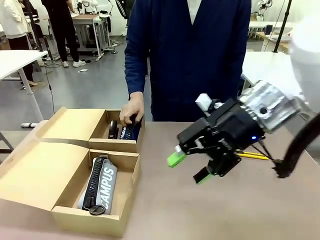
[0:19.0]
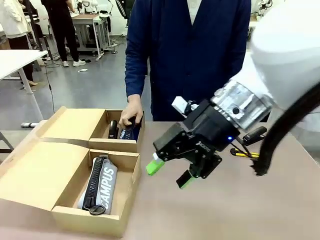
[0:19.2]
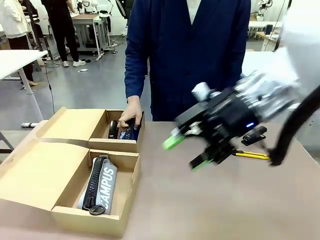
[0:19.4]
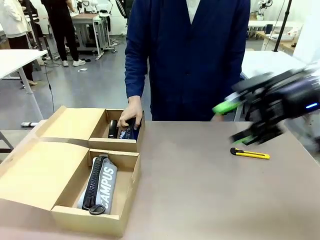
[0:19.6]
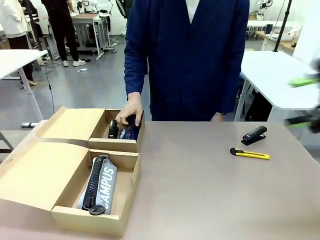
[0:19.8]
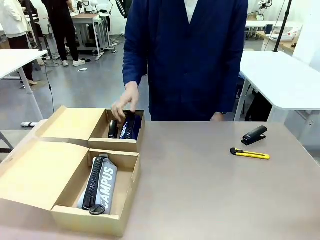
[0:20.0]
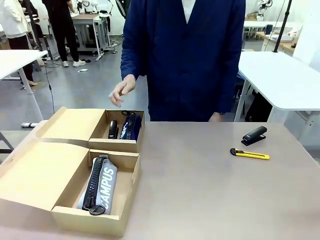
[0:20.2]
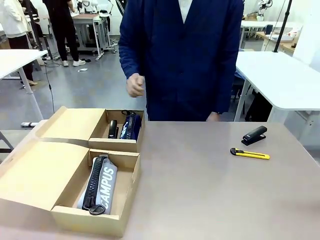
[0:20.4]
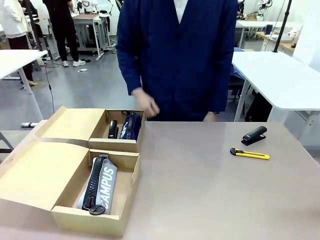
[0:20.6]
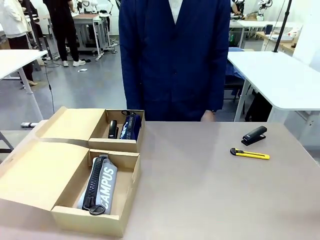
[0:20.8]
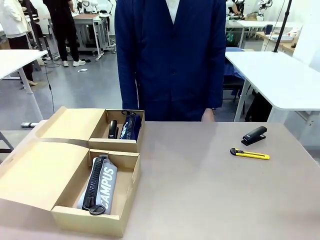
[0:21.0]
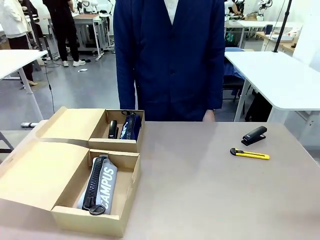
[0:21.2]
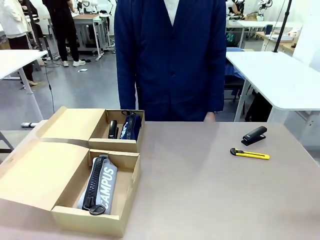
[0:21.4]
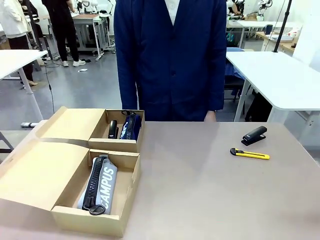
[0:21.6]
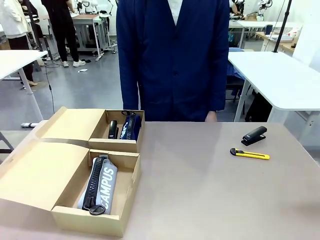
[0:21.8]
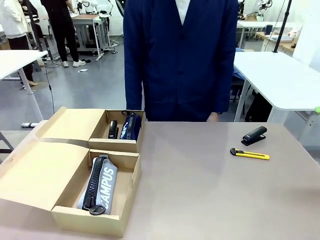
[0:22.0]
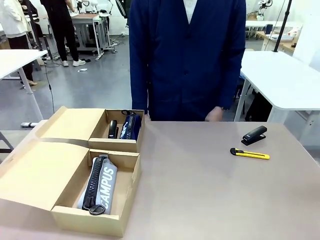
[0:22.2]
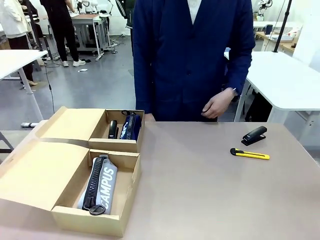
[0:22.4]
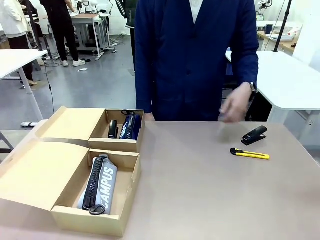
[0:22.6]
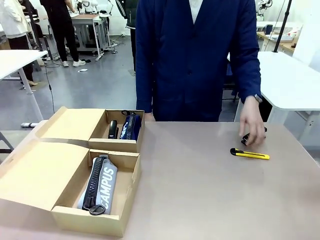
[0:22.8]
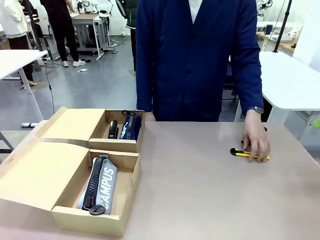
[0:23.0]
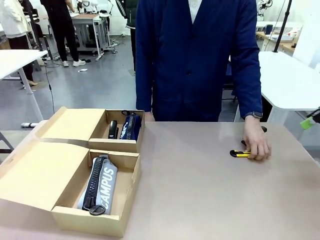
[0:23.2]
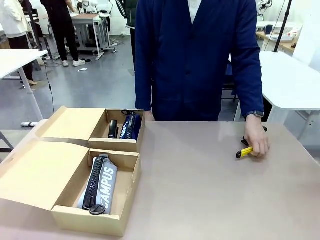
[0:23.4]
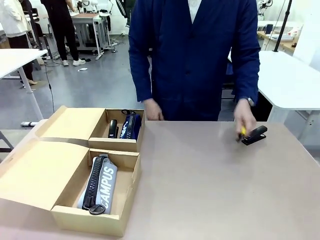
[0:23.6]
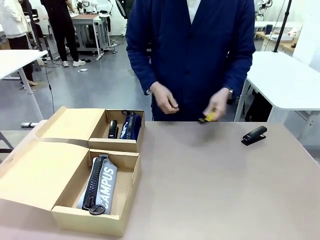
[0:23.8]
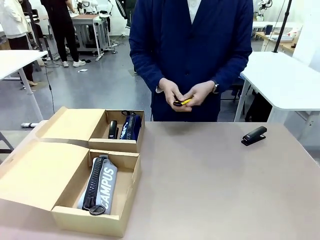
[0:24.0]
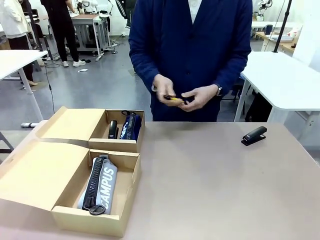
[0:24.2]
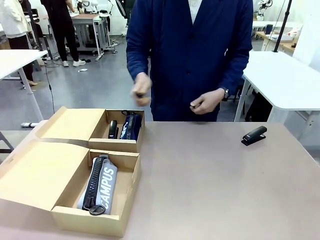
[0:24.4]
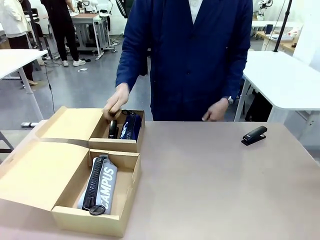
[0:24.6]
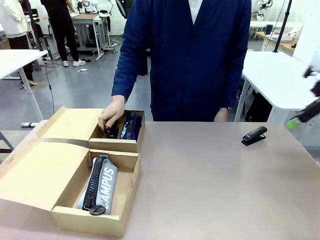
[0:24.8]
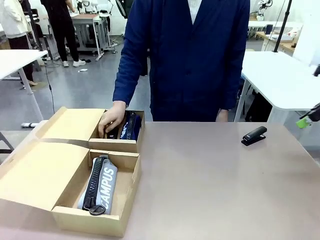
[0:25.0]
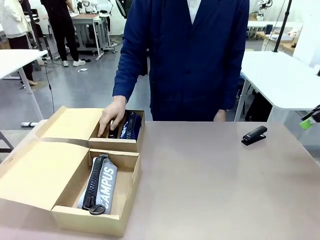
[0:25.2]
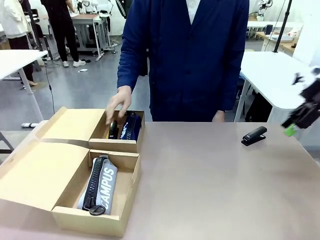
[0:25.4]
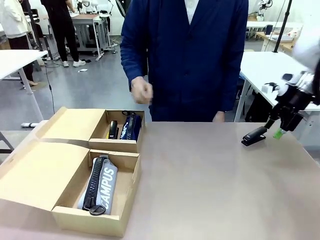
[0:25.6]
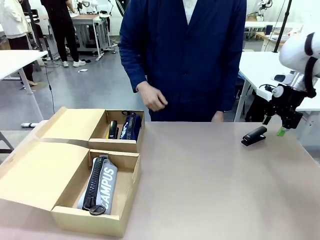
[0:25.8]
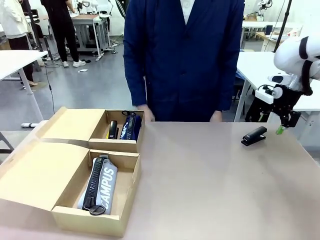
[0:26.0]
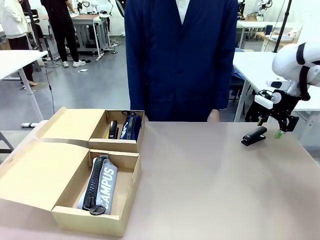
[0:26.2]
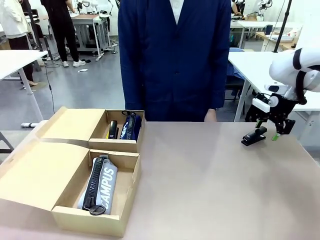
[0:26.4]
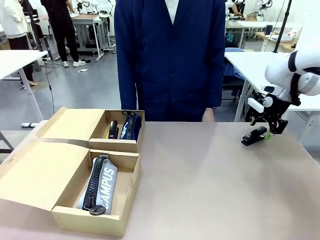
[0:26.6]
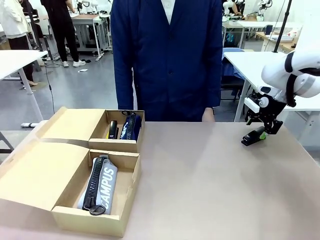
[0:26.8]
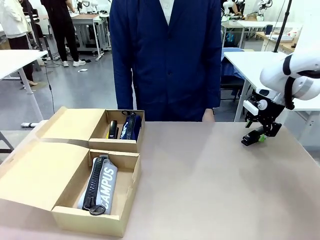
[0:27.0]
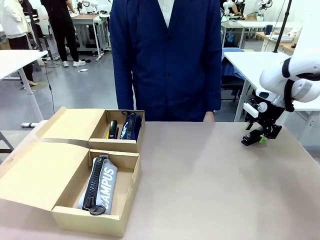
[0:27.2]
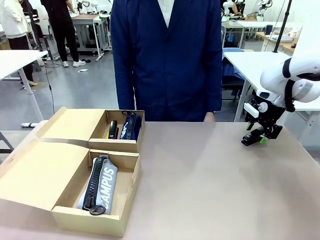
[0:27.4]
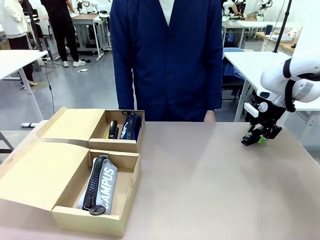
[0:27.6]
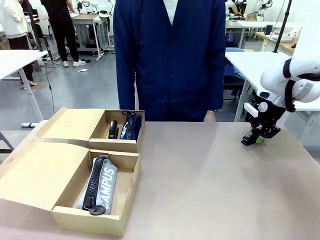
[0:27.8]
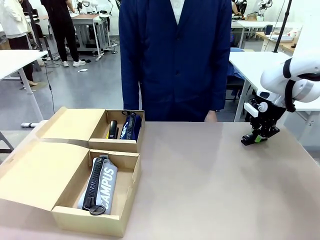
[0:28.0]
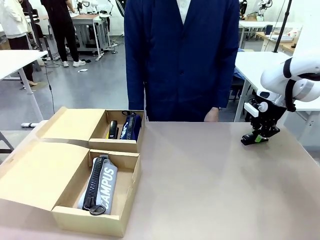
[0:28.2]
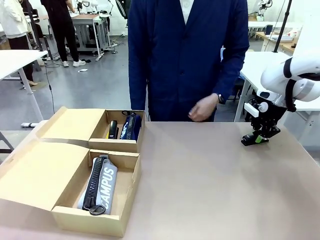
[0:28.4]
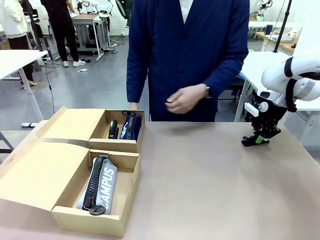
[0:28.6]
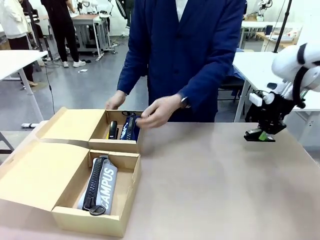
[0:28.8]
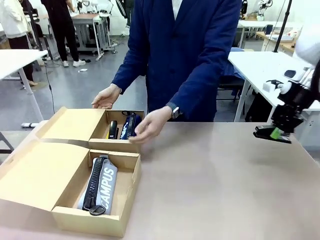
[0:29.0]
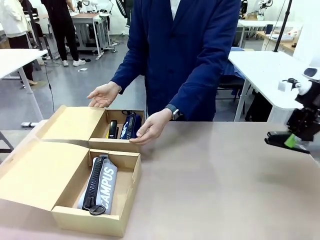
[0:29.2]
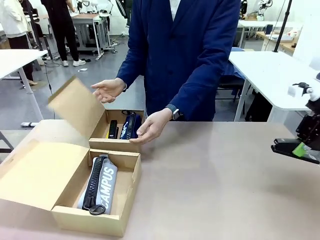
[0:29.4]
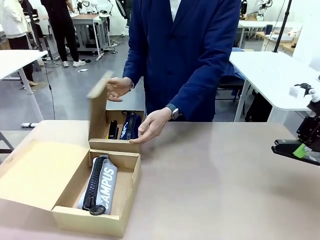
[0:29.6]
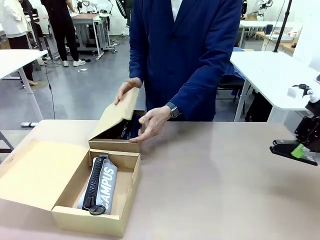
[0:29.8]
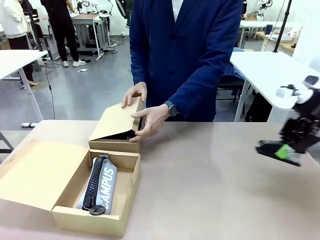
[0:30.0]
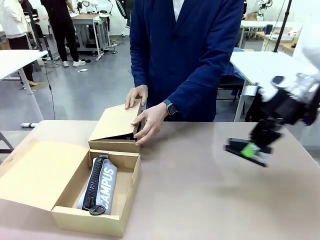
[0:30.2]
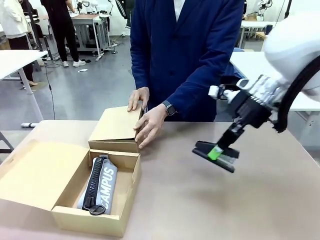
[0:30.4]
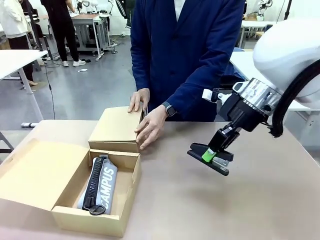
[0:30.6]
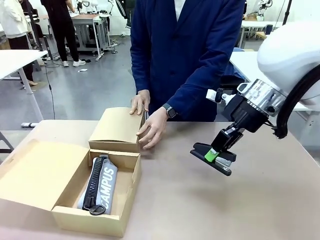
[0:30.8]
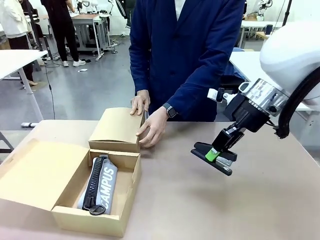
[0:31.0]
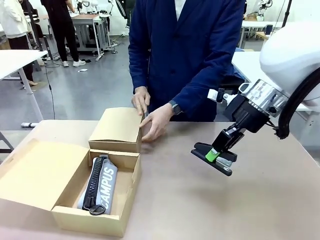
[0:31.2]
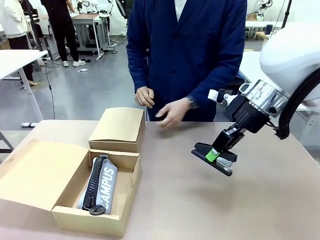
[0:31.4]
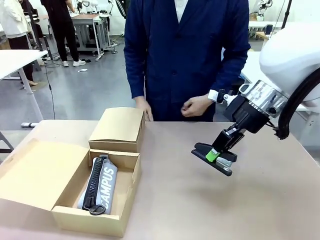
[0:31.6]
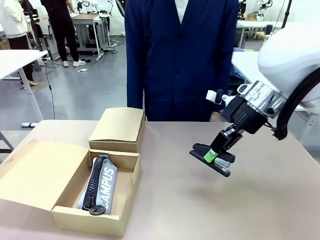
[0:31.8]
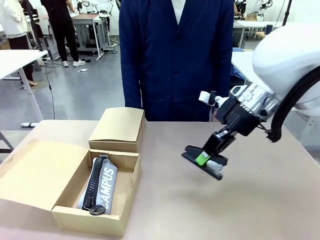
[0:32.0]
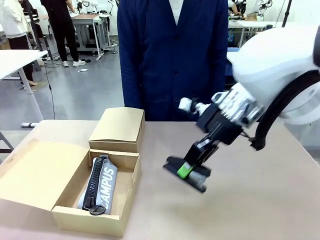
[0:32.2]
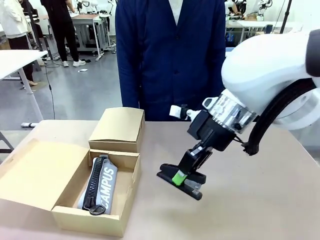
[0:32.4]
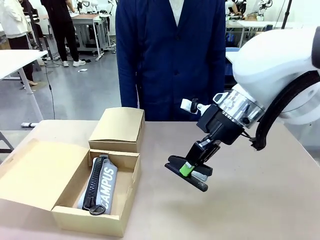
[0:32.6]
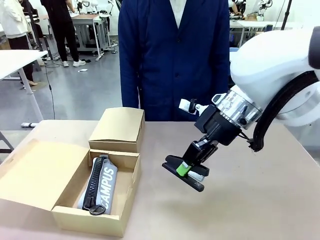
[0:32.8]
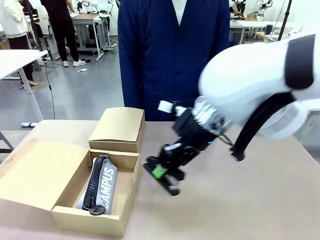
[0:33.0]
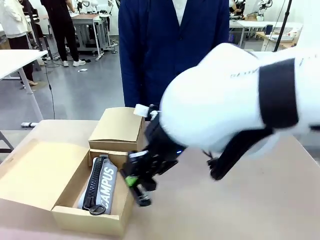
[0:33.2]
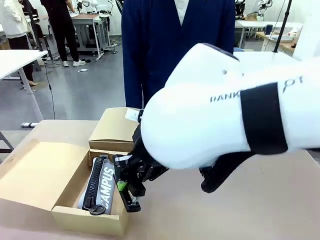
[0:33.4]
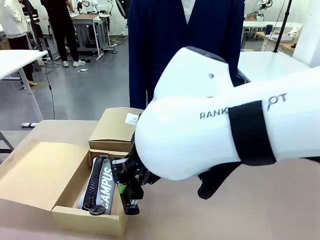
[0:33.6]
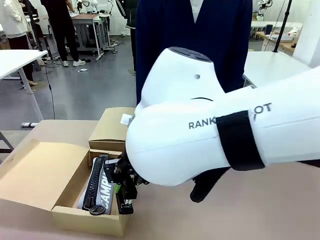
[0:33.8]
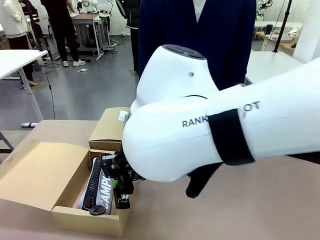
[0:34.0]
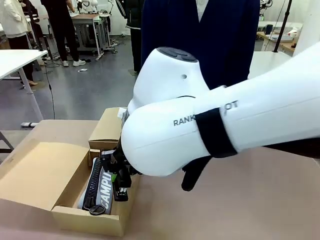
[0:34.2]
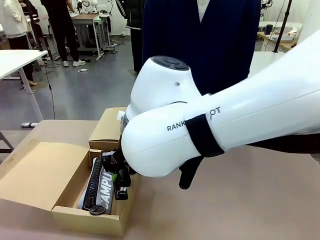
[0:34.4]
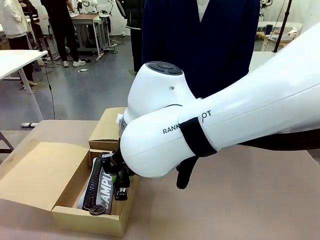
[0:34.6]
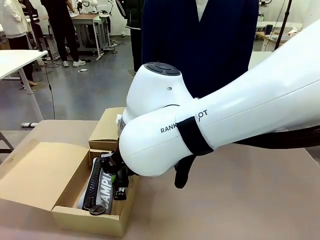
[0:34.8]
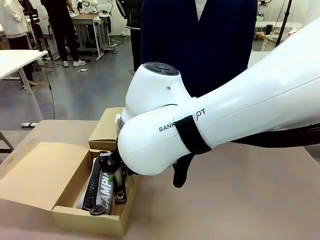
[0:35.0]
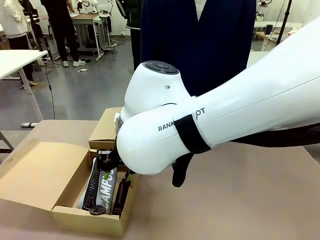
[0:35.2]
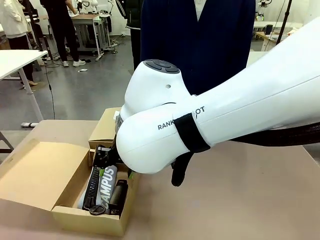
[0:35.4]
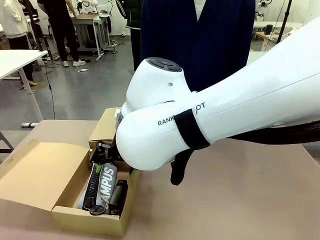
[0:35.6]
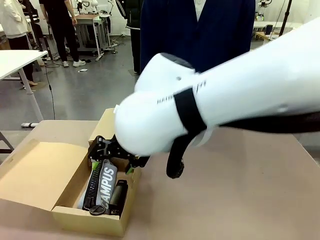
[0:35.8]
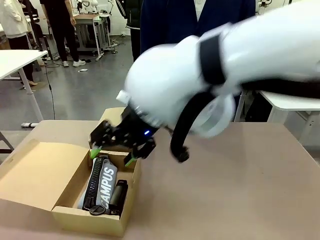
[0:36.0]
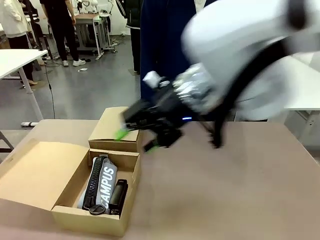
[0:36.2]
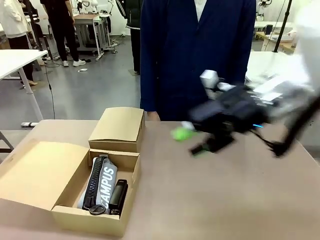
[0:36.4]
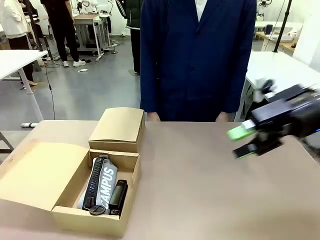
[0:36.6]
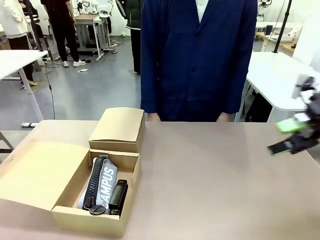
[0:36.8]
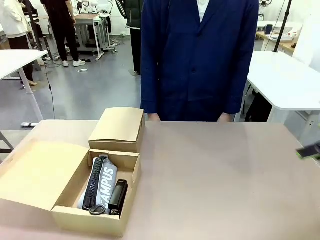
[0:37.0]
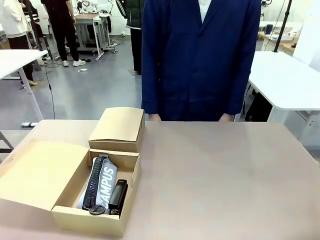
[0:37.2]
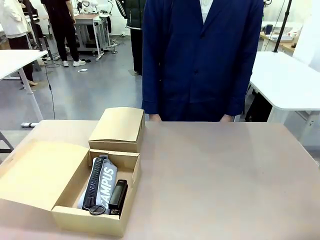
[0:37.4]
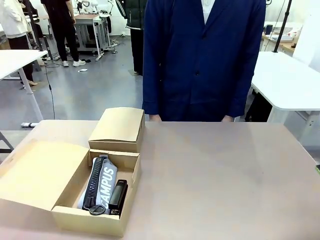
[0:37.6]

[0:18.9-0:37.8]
Task: Place items inside the box.
Robot: Pick up a Pencil pouch or Stapler and place it inside the Mailer Box closest to the robot.
